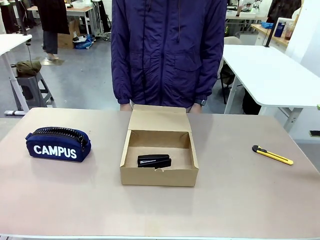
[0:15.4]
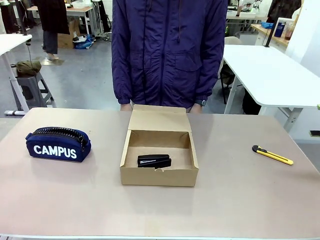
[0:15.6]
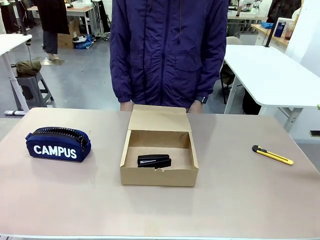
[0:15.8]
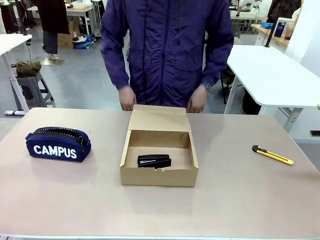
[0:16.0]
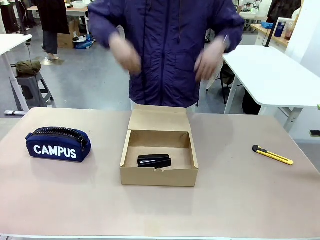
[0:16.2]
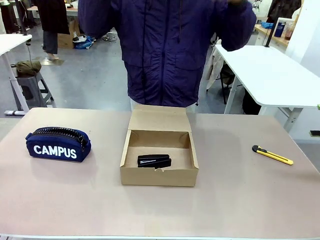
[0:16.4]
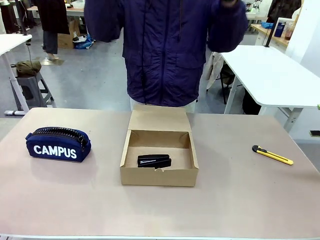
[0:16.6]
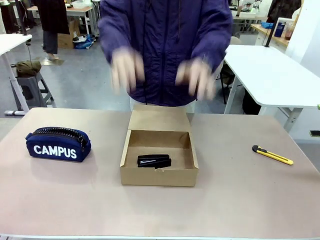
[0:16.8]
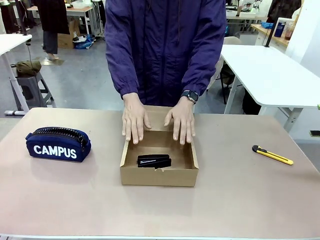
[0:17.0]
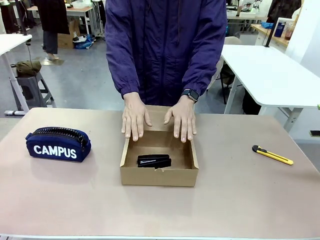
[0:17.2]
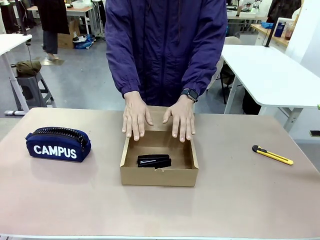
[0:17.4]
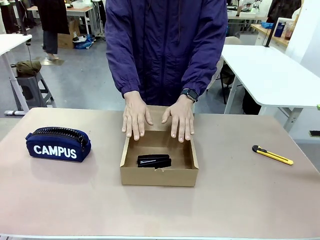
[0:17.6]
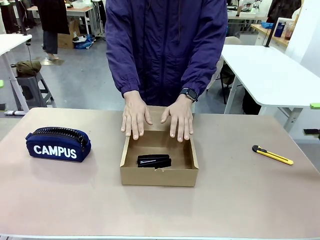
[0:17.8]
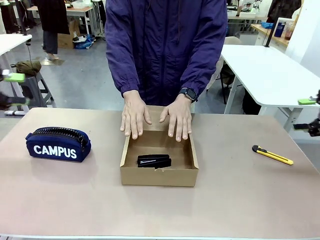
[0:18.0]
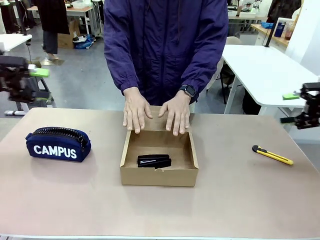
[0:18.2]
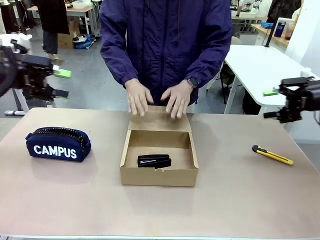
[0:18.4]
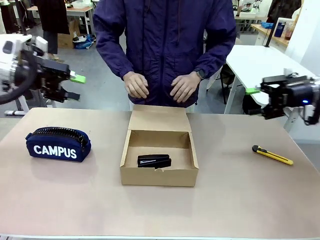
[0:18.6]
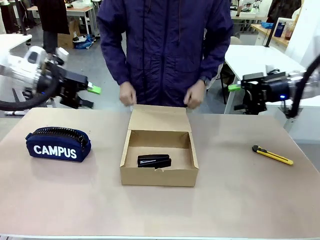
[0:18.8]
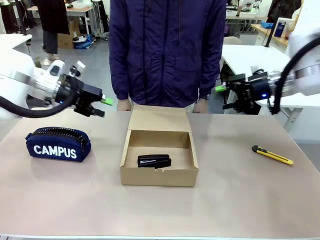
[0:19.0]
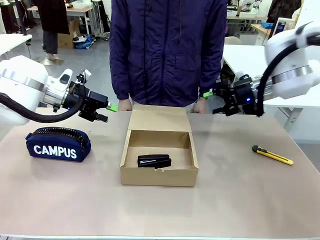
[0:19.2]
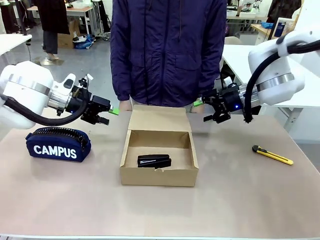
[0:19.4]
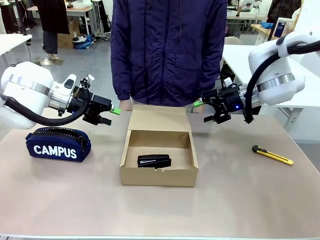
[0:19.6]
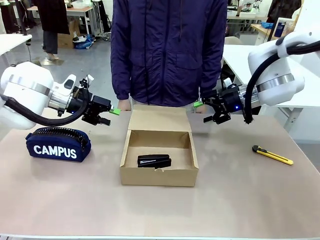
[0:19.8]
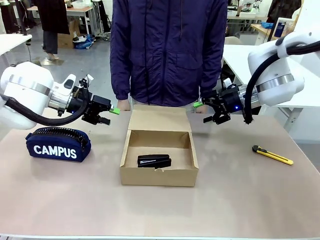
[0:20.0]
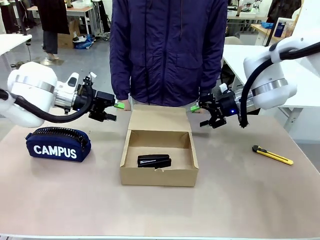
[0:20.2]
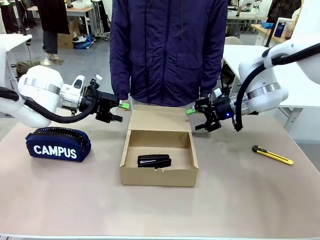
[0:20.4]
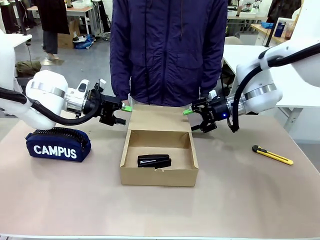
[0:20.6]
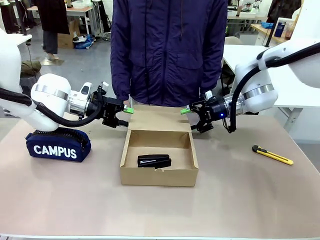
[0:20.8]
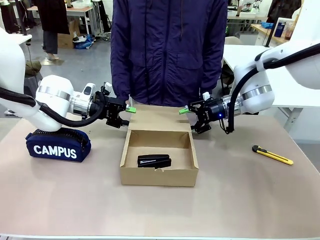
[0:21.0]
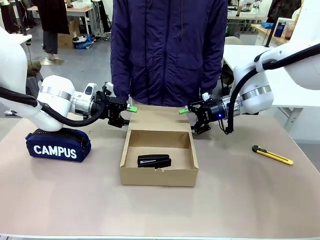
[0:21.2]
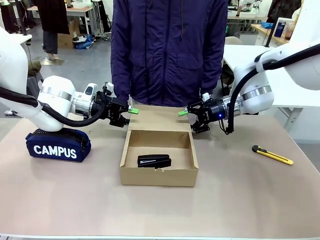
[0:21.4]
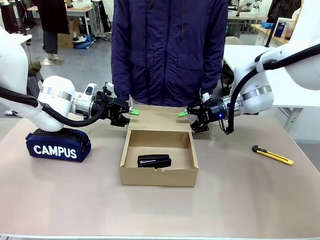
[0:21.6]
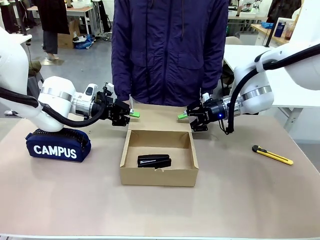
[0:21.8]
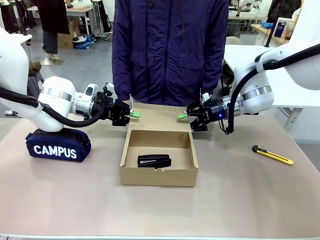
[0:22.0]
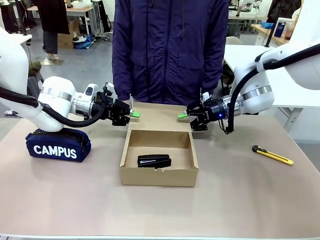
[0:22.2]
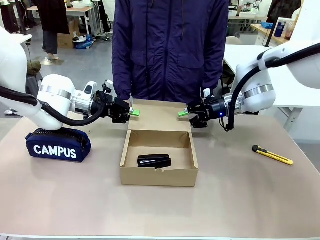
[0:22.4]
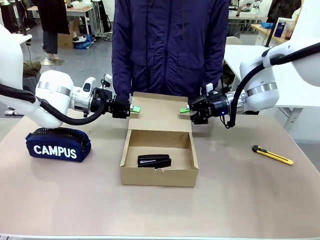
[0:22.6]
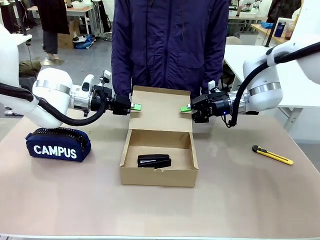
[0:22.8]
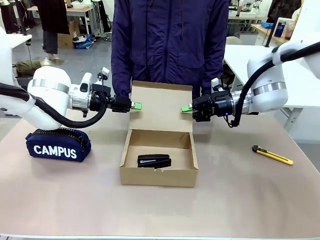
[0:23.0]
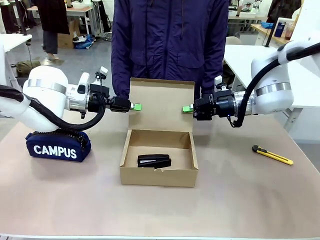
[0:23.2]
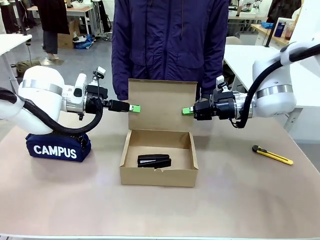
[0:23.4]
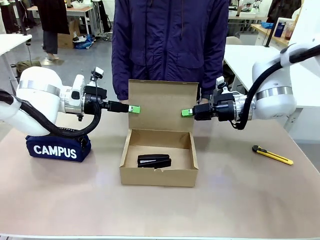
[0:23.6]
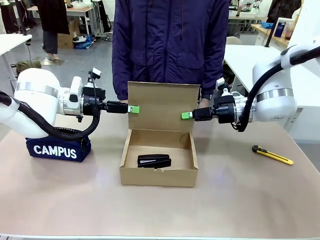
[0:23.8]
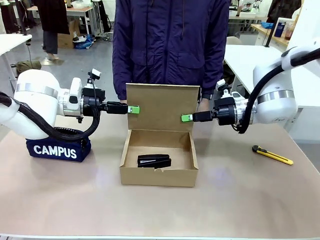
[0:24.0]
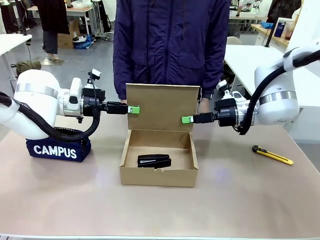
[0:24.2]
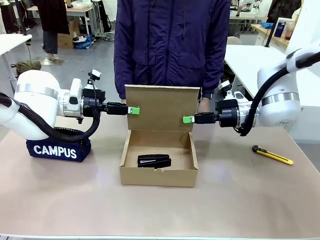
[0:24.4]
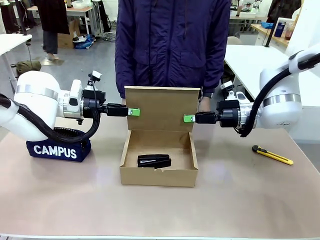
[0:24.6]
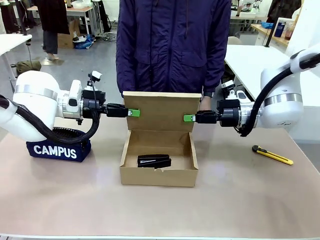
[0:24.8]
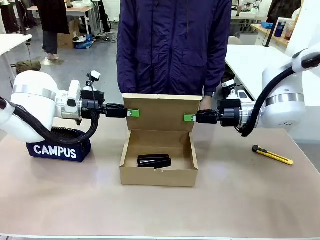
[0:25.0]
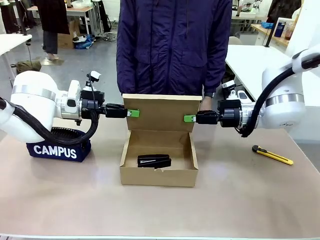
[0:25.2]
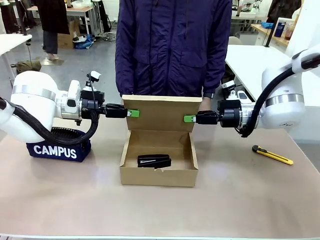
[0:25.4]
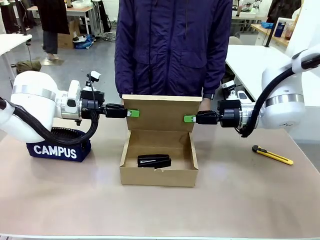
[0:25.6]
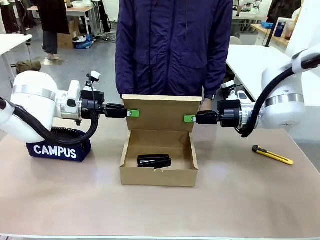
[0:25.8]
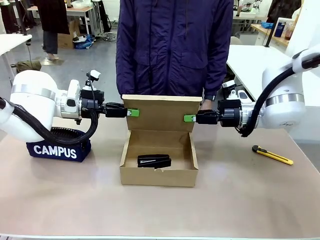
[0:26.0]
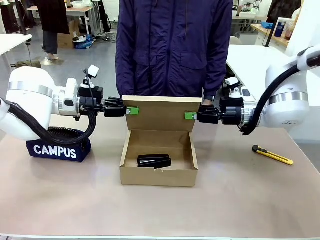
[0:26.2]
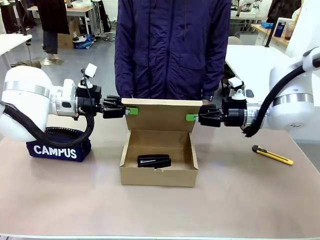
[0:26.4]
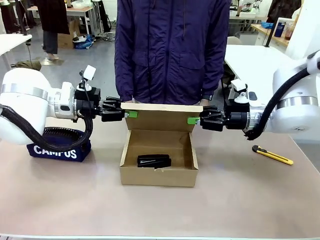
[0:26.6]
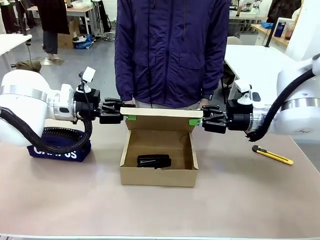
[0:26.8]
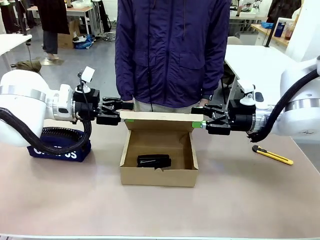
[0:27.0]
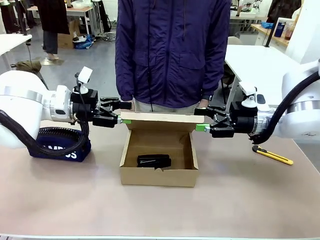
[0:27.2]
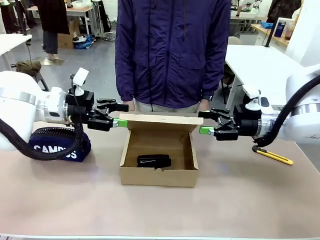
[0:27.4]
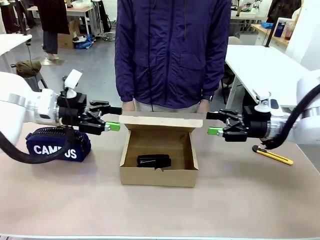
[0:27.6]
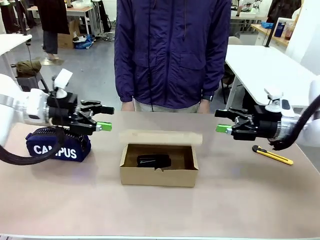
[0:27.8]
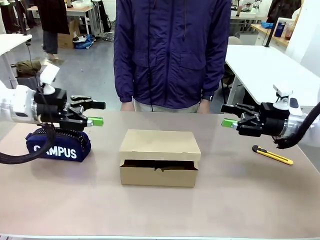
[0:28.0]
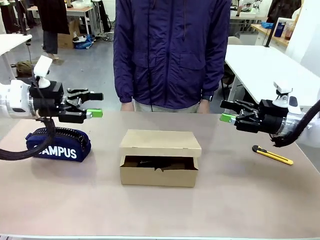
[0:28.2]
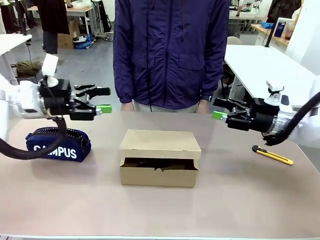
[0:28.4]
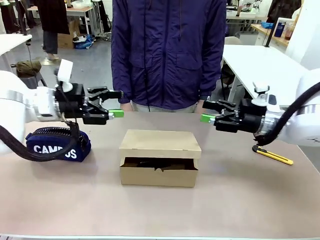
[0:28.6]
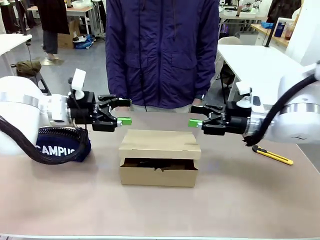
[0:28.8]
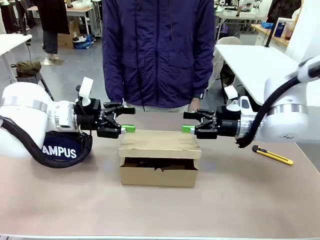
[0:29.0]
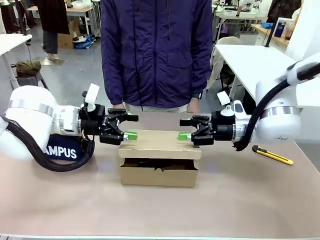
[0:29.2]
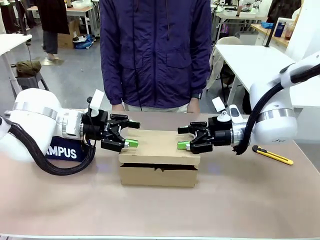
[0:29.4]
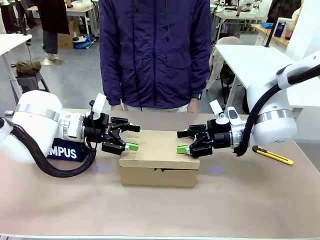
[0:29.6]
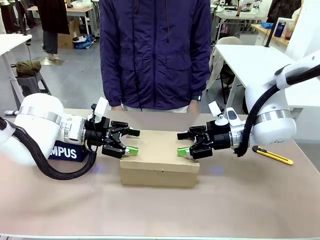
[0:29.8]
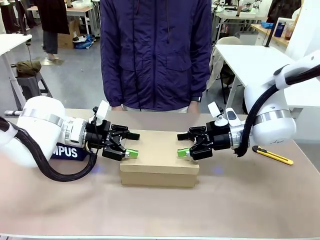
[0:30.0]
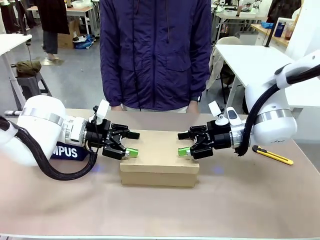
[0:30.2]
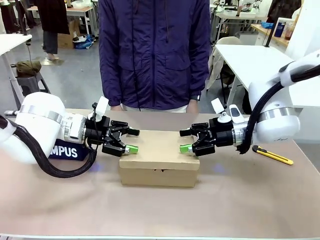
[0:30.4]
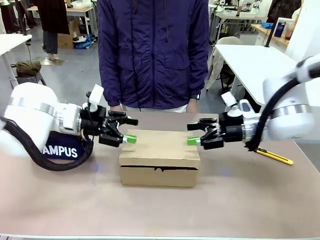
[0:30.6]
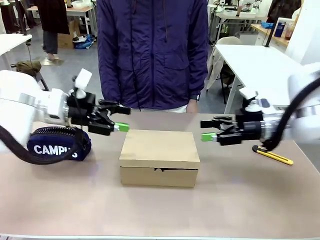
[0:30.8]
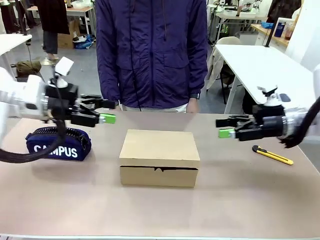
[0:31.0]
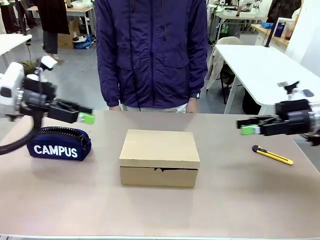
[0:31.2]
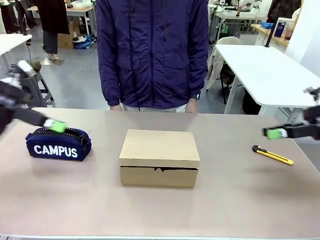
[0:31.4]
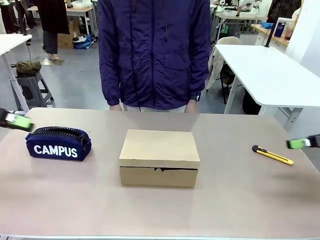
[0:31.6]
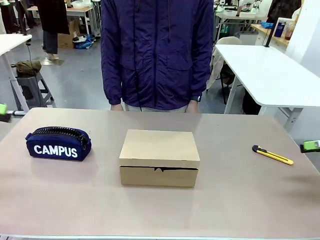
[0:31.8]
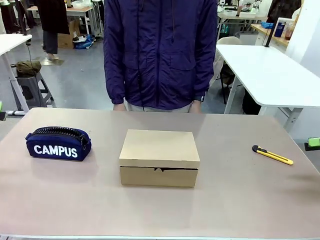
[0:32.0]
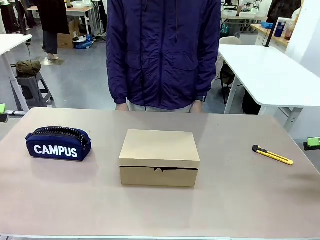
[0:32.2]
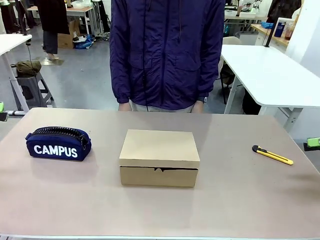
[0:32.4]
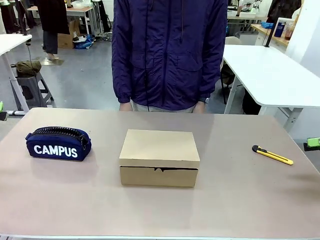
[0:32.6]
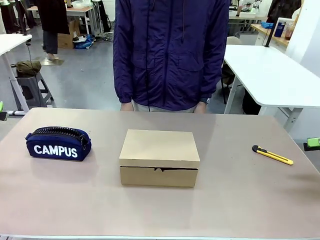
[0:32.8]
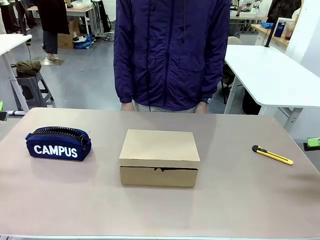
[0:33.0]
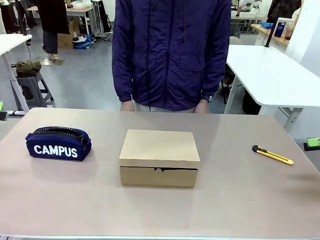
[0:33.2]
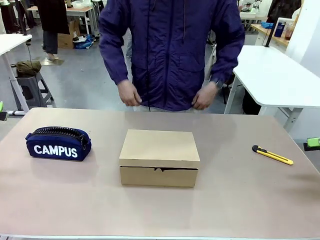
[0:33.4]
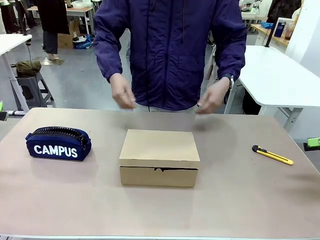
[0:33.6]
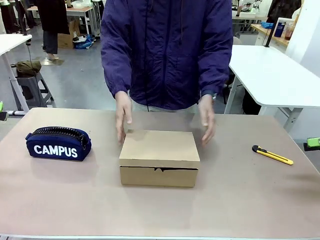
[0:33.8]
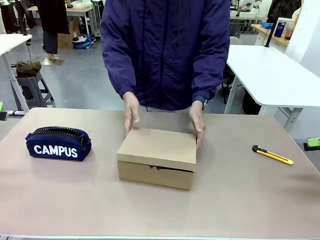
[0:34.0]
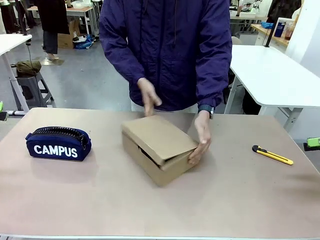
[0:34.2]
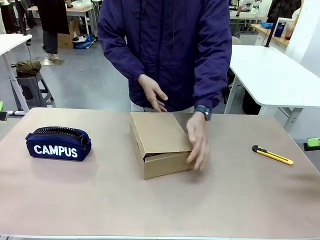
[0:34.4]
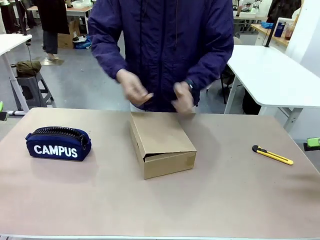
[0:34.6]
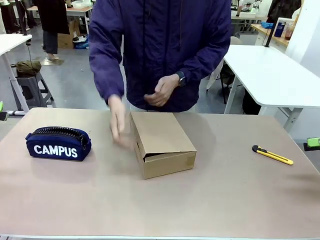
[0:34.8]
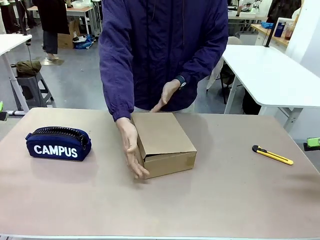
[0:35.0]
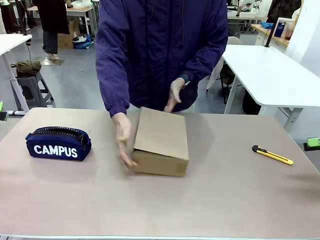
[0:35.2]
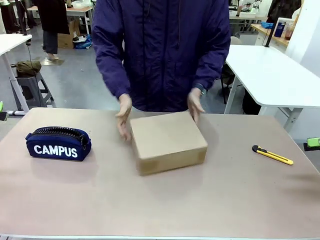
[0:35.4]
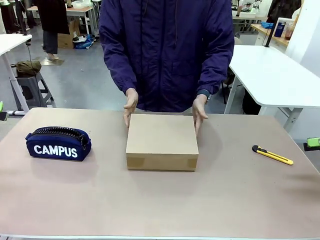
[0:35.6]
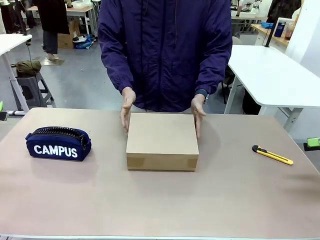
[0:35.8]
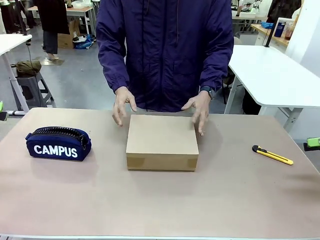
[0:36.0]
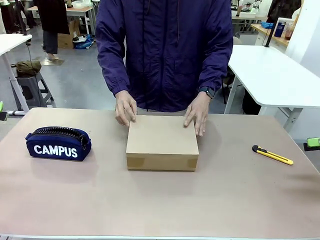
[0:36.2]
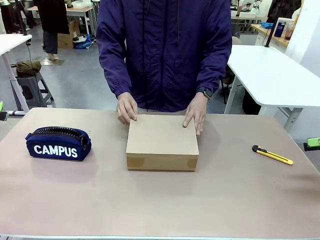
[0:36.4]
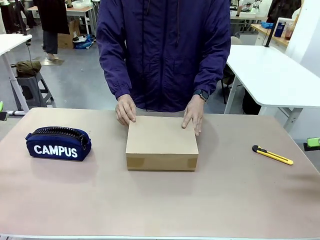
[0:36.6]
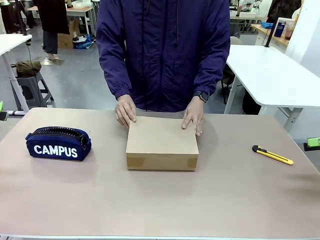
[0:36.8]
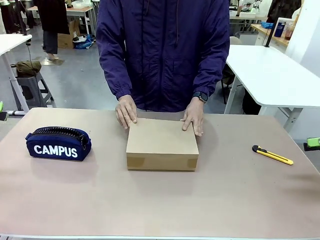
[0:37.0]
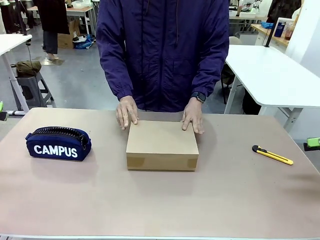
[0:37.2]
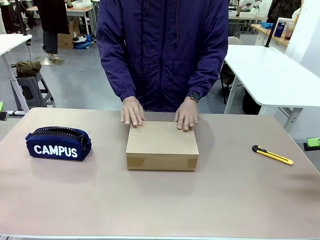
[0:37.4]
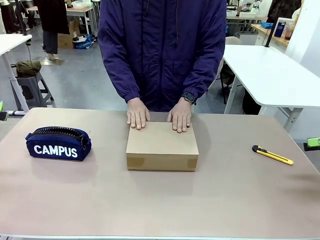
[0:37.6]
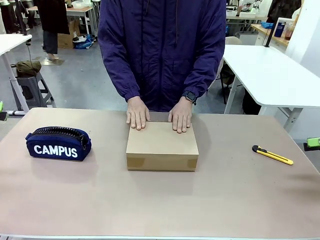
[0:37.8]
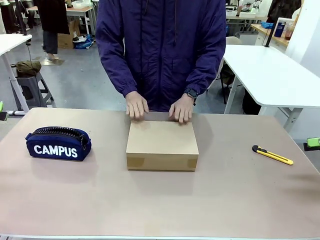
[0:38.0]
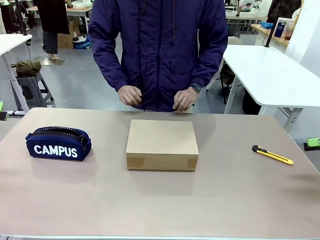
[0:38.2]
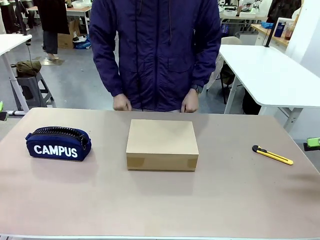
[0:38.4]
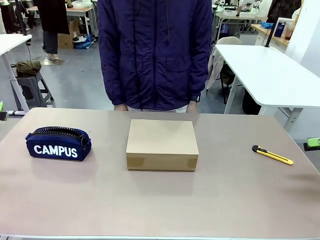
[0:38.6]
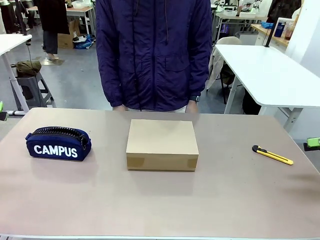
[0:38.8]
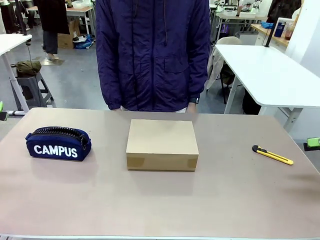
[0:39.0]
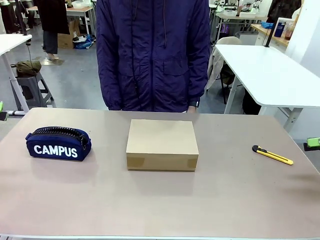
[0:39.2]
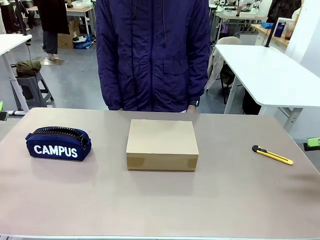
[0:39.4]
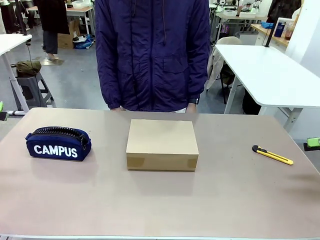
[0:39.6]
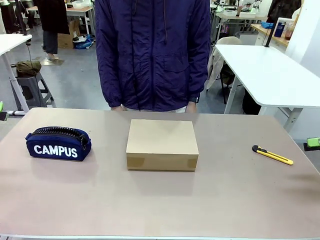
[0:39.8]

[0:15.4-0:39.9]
Task: Pack the item into the box.
Robot: Close the Mailer Box.
Person: Lower both hands vertically with palms facing downward, as if pressing something closed. Turn the box and lock it.
